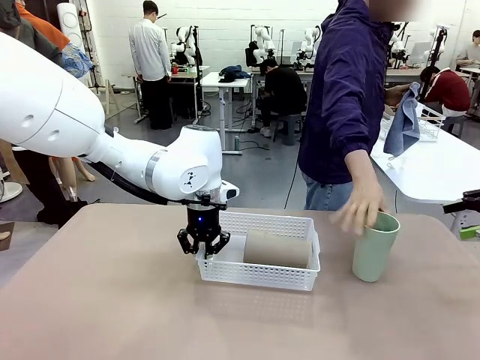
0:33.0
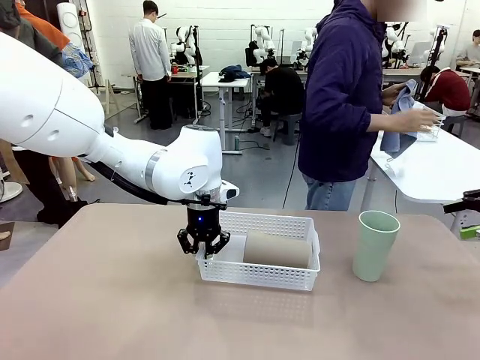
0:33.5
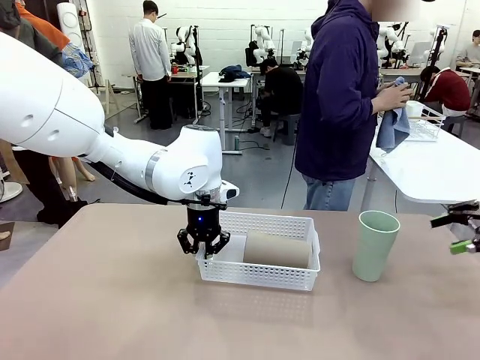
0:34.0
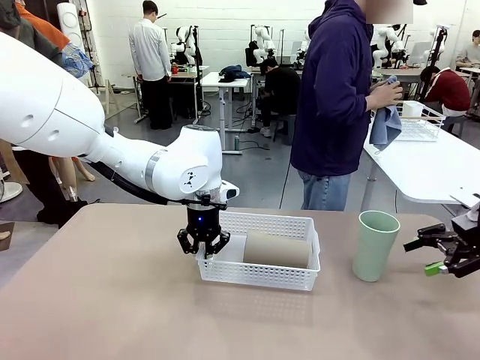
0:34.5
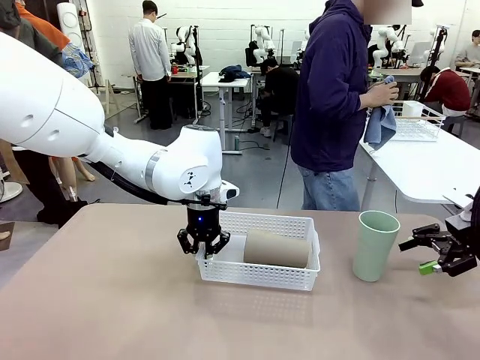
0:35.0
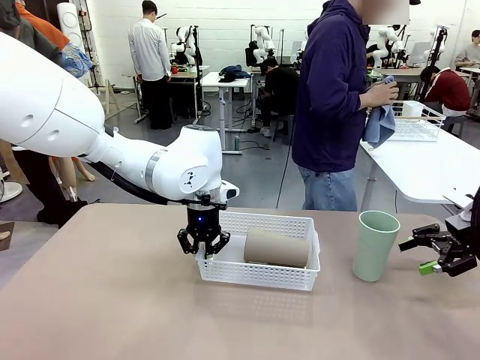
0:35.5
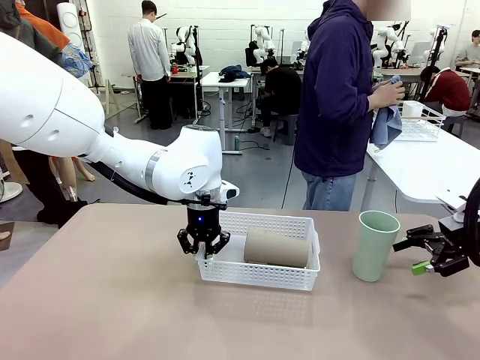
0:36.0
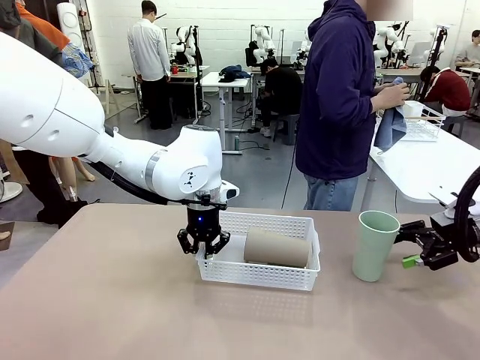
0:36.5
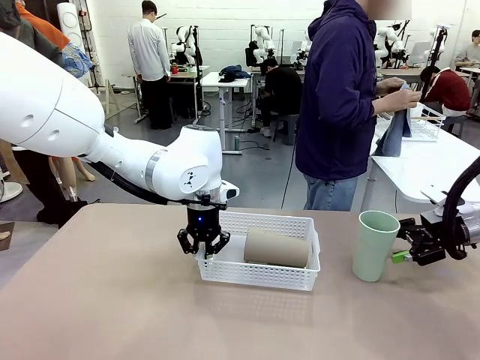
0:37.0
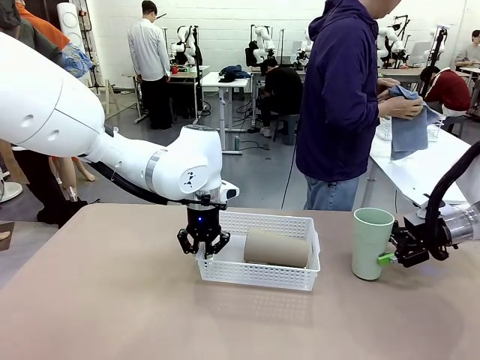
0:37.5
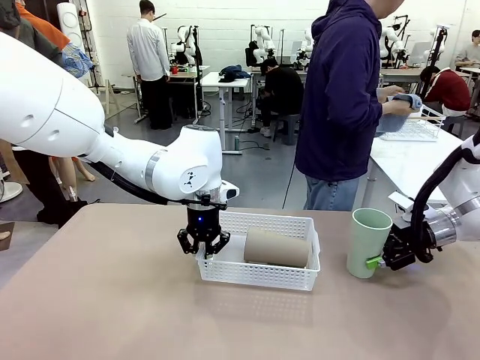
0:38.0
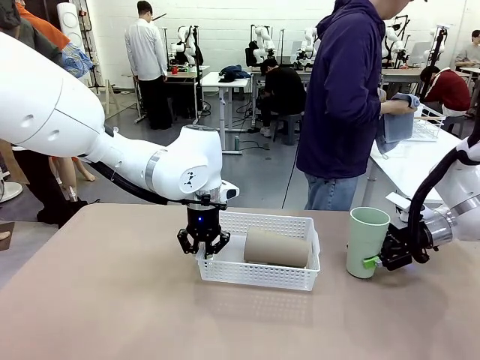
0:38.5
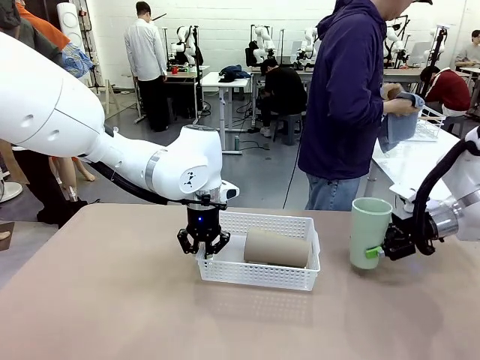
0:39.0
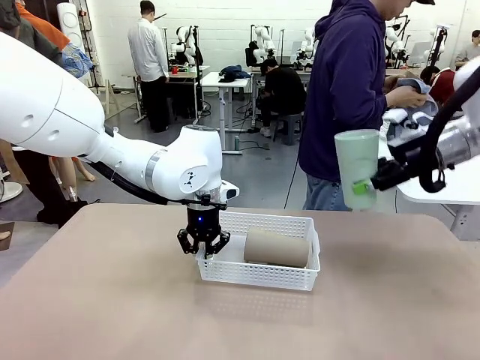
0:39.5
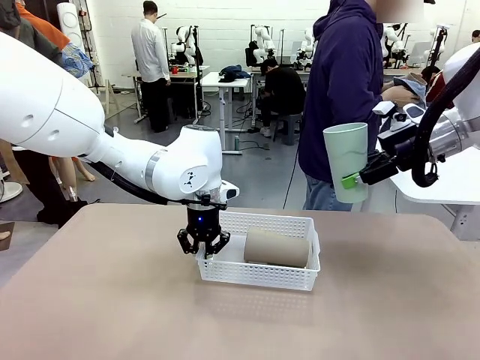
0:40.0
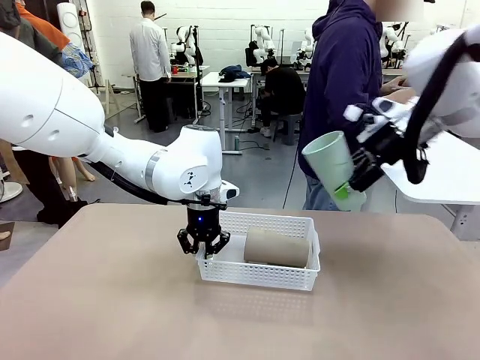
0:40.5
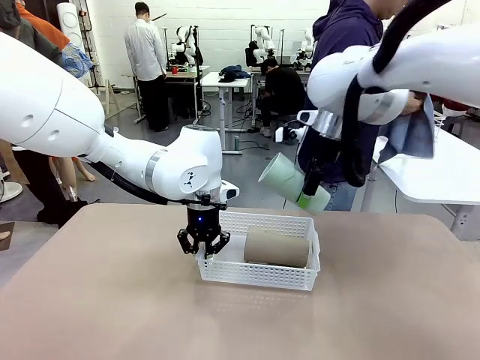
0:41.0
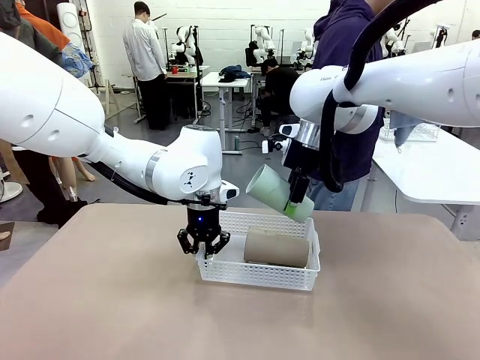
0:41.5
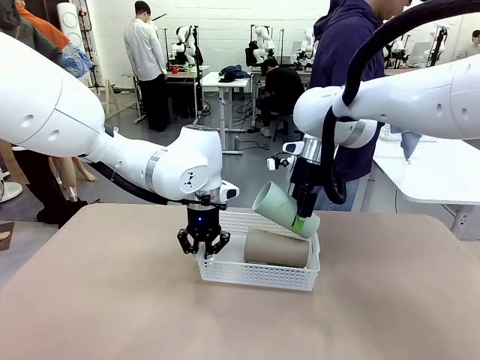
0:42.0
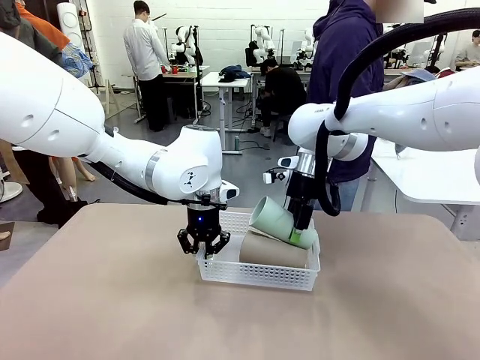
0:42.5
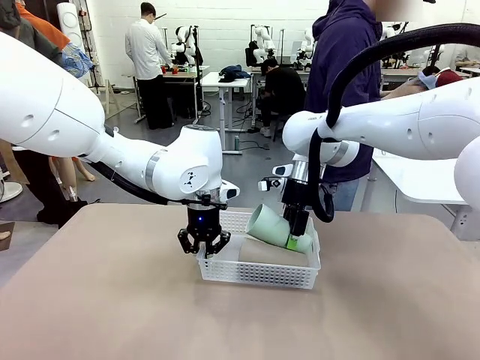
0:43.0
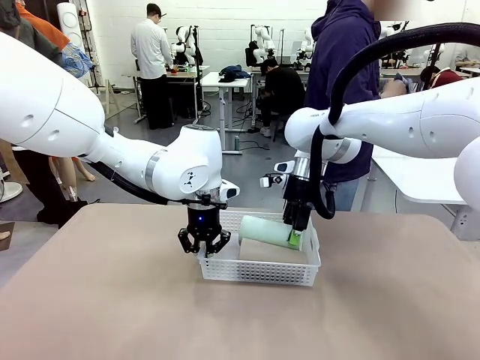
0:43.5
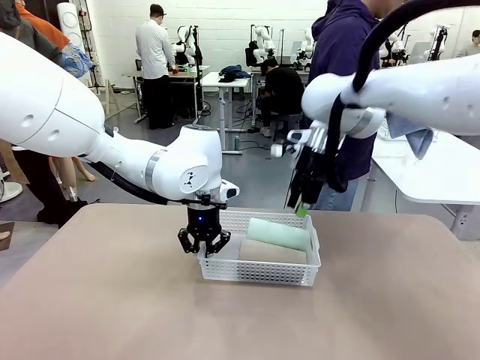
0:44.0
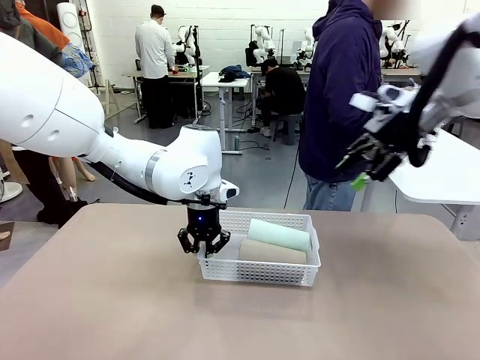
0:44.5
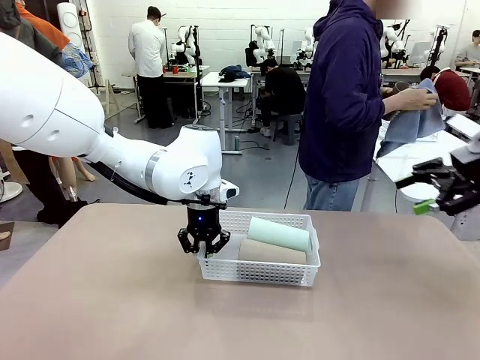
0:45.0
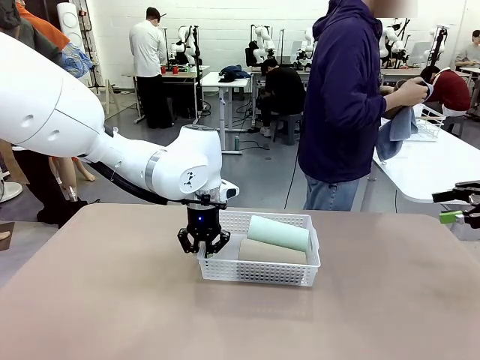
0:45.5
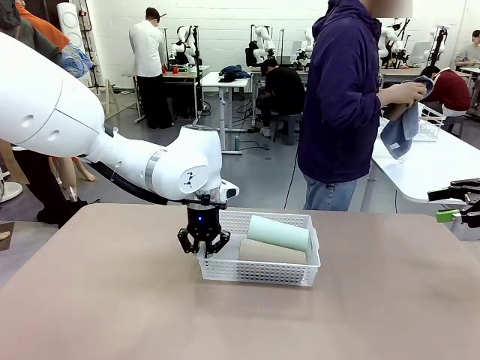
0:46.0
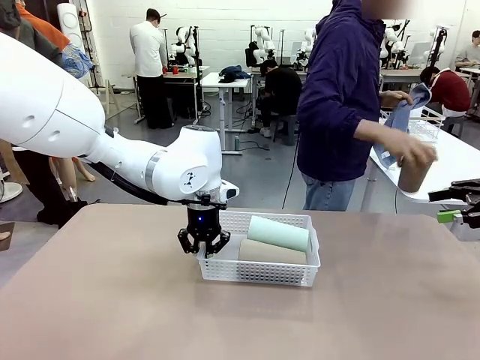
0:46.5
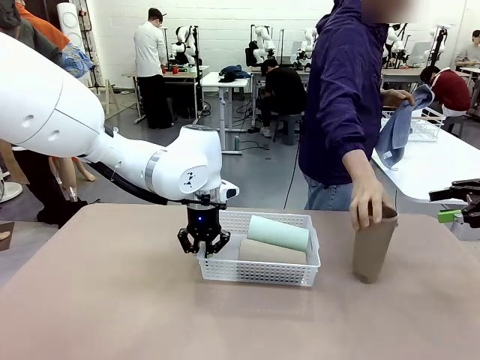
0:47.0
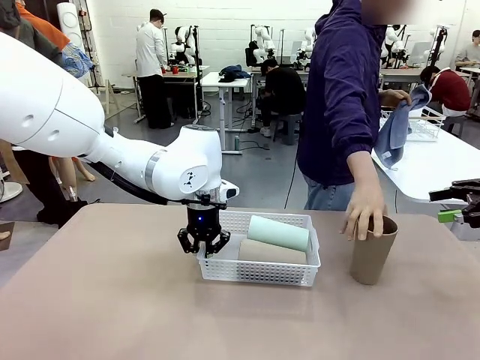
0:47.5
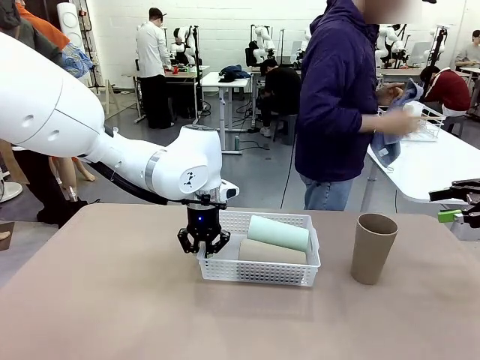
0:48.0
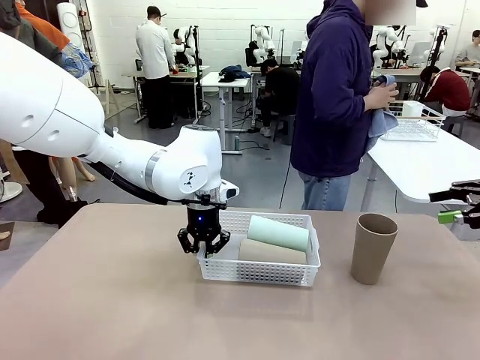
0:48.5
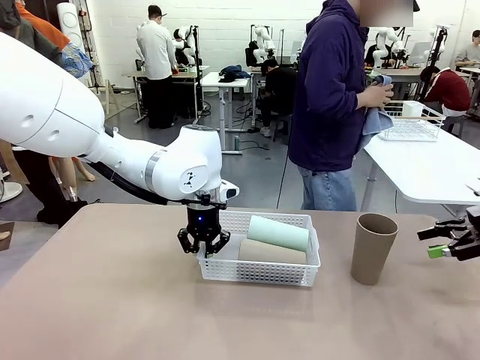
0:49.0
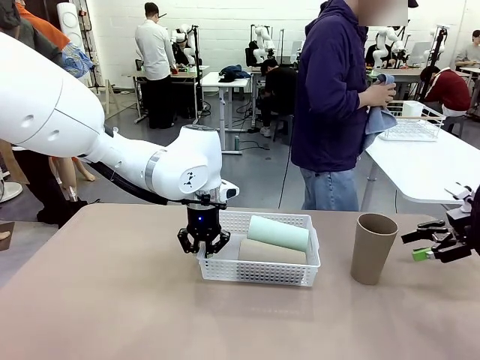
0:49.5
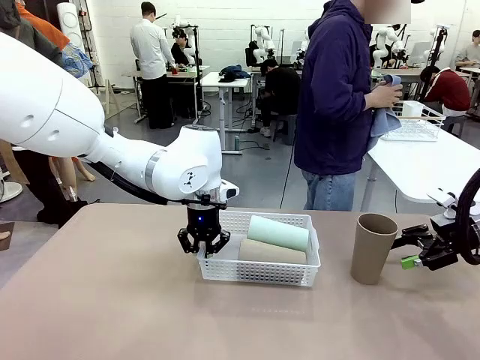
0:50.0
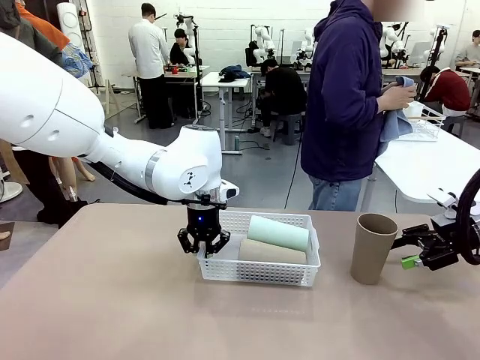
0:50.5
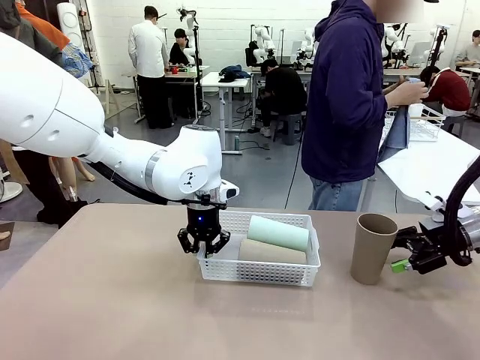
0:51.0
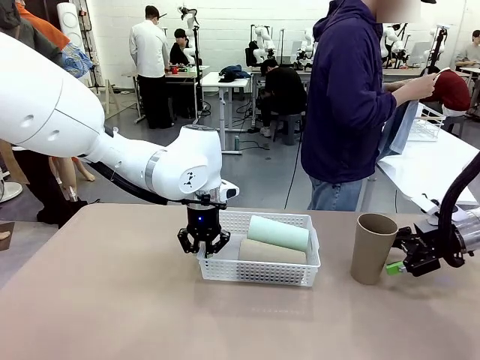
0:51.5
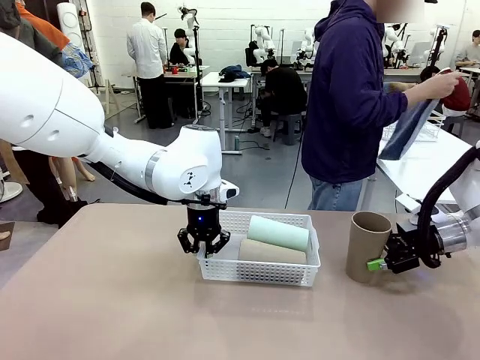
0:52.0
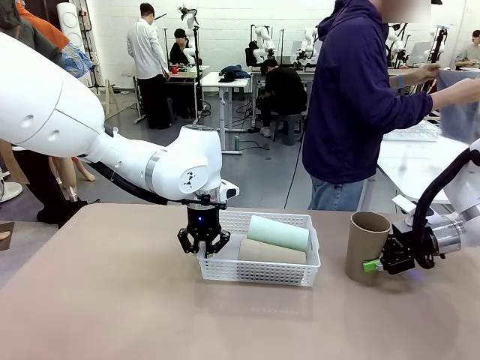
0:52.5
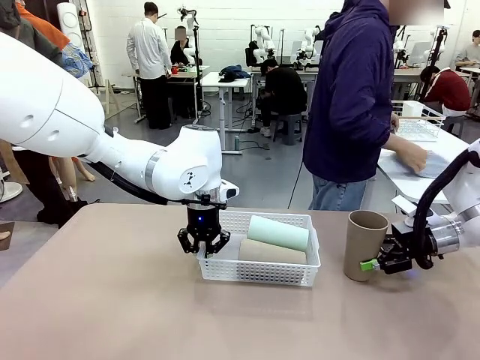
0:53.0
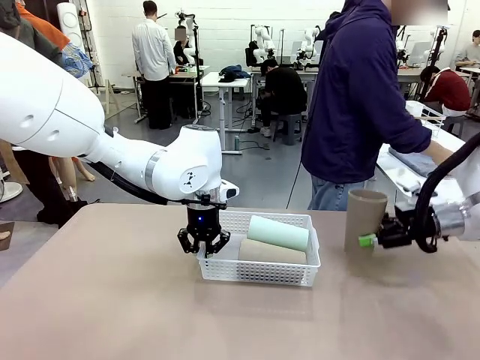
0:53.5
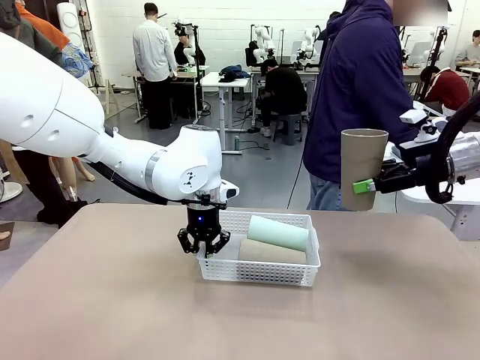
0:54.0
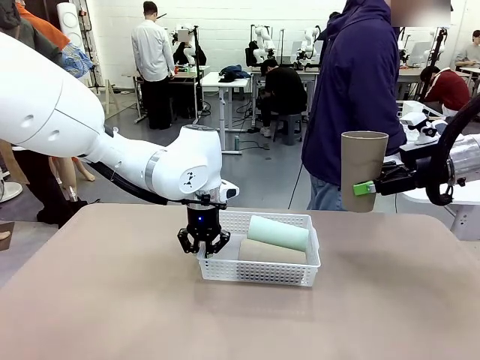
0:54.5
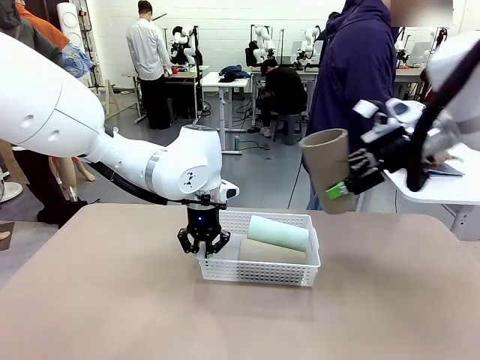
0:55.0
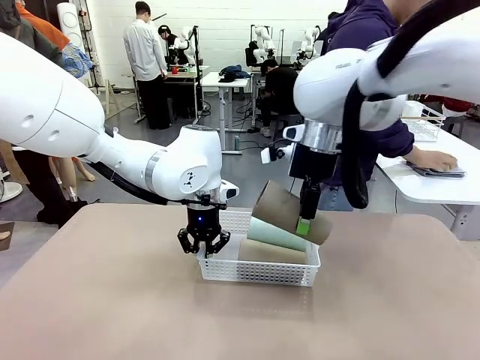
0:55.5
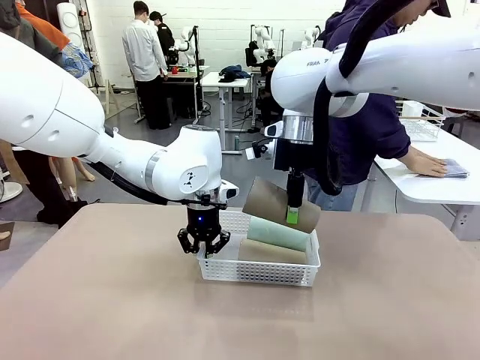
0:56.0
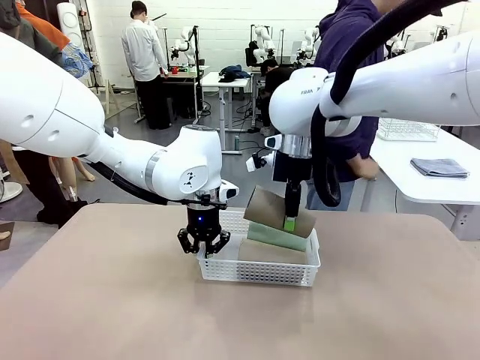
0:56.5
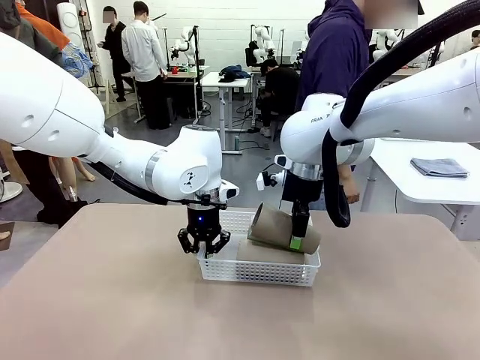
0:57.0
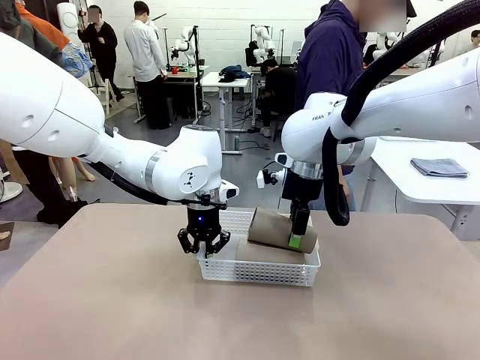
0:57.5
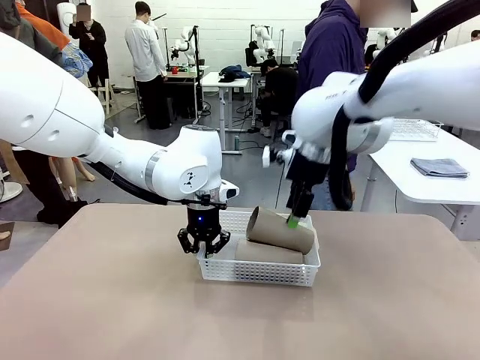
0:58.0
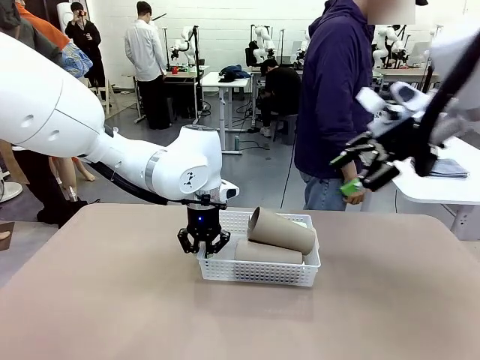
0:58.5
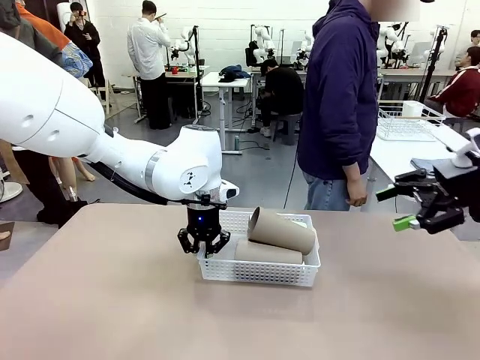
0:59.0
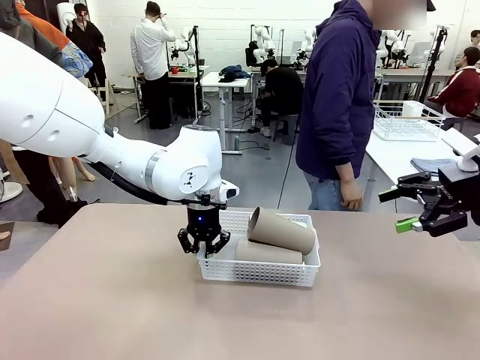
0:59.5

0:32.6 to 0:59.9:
Task: Clean and organize the cups into the basket.
Robot: Pick up the Reusable plastic cup from the right side of the table and stack it inside the Organizing basket in the center of the table.

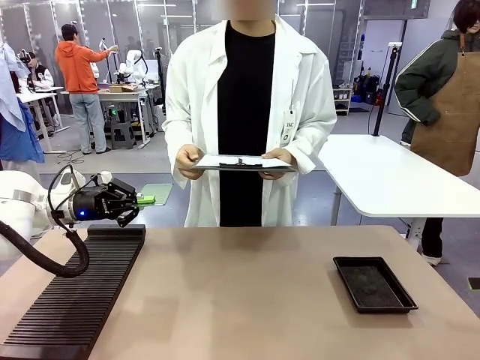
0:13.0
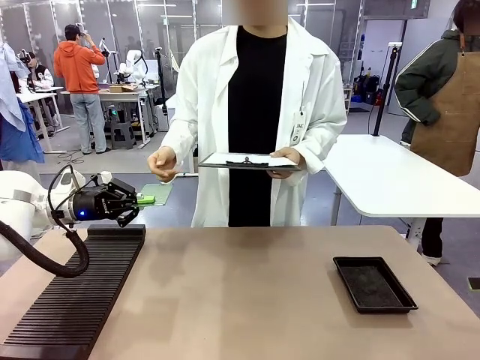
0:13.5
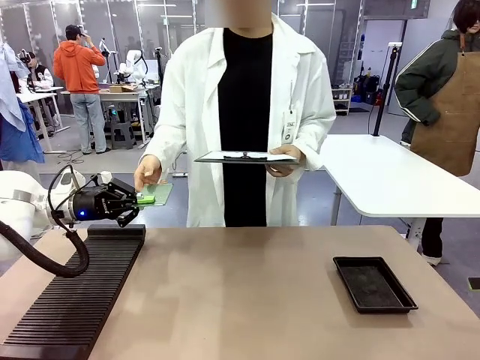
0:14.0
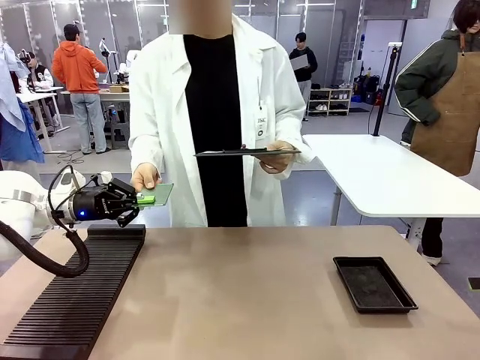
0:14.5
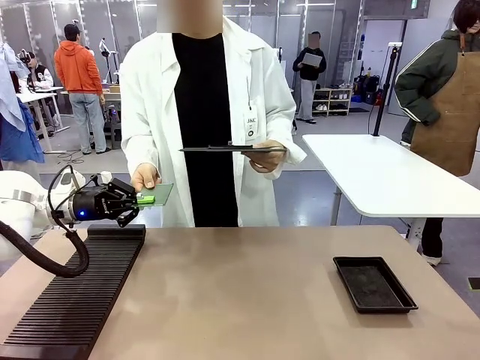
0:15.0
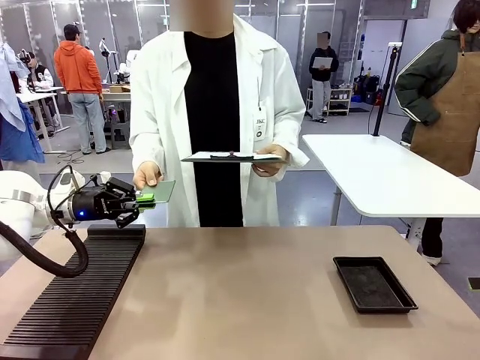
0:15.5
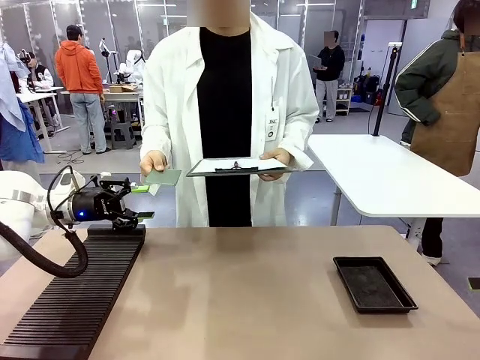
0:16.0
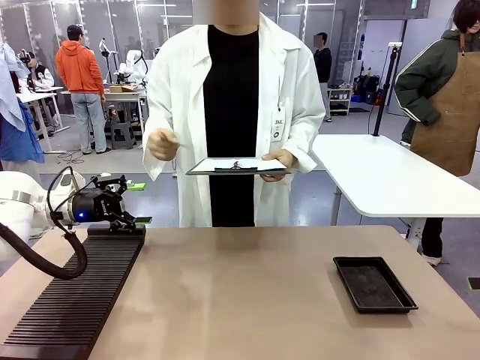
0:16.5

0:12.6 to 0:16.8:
Task: Inspect the PCB.
Robot: Release the Blank PCB you were holding.
